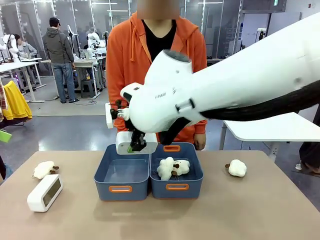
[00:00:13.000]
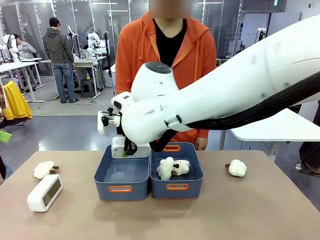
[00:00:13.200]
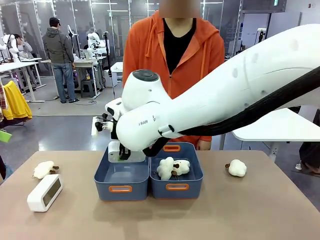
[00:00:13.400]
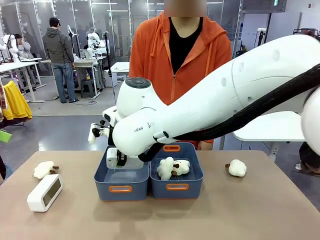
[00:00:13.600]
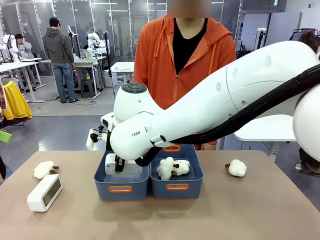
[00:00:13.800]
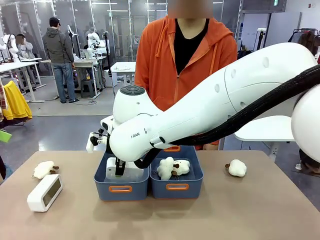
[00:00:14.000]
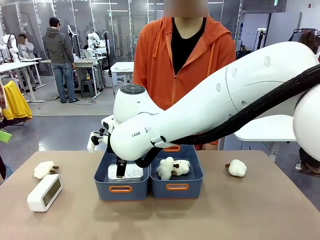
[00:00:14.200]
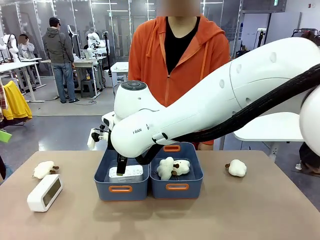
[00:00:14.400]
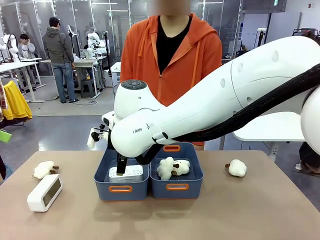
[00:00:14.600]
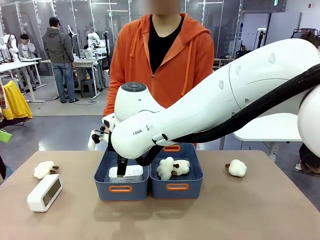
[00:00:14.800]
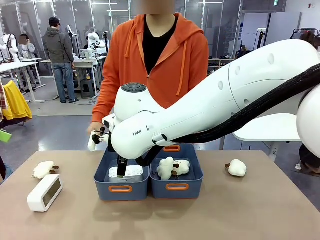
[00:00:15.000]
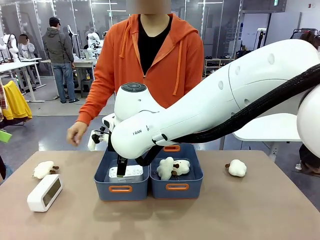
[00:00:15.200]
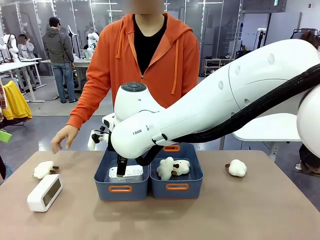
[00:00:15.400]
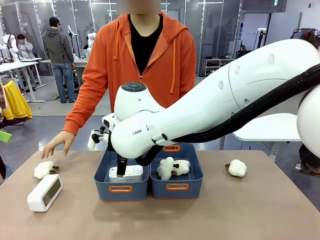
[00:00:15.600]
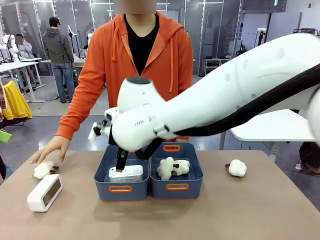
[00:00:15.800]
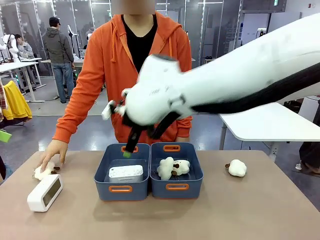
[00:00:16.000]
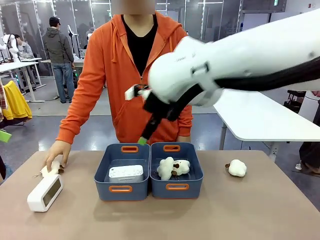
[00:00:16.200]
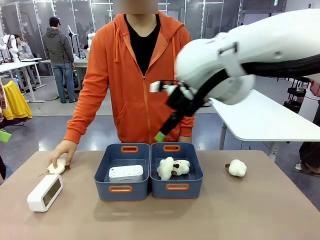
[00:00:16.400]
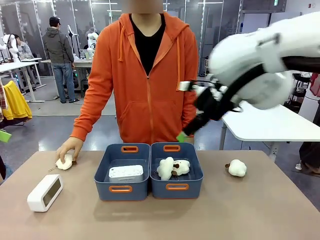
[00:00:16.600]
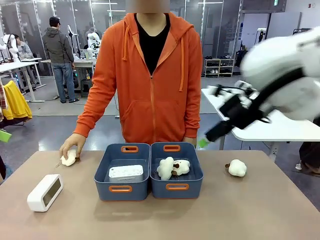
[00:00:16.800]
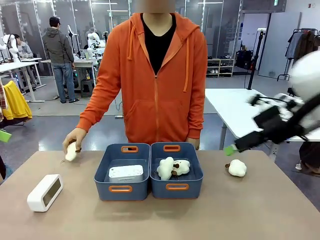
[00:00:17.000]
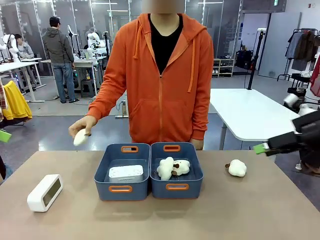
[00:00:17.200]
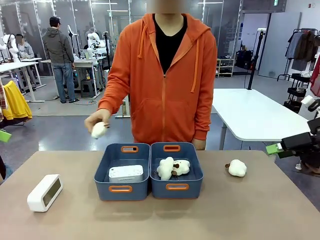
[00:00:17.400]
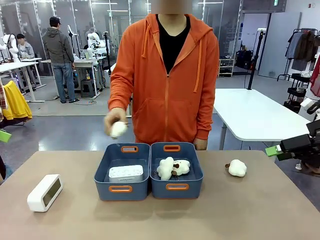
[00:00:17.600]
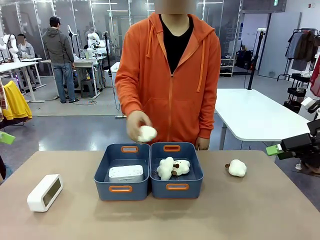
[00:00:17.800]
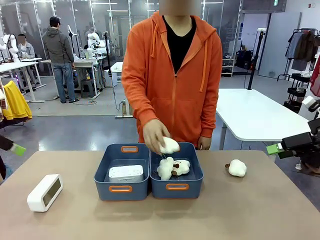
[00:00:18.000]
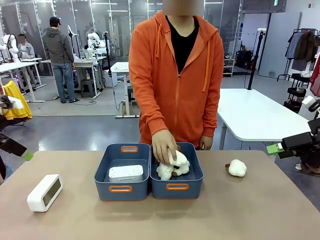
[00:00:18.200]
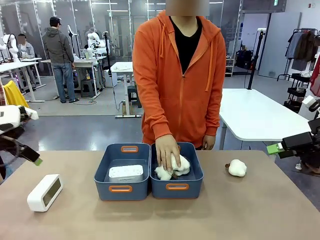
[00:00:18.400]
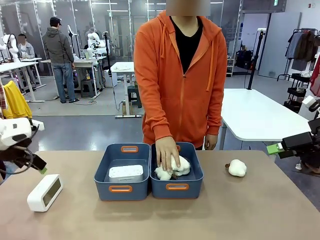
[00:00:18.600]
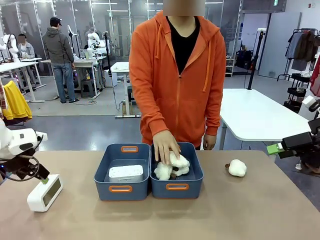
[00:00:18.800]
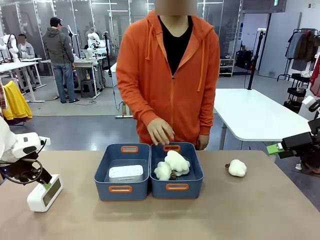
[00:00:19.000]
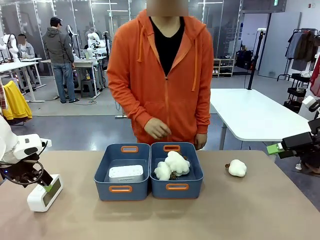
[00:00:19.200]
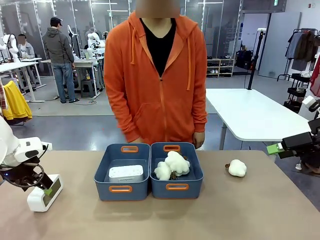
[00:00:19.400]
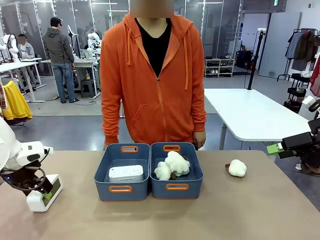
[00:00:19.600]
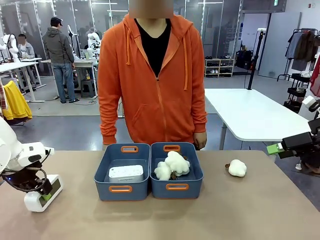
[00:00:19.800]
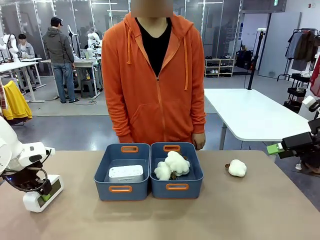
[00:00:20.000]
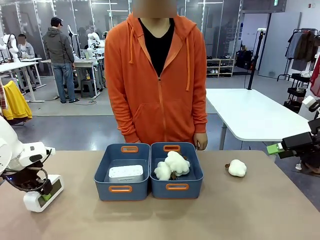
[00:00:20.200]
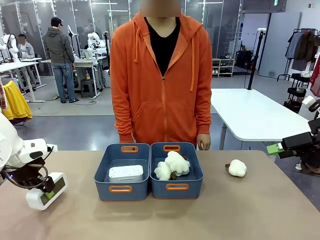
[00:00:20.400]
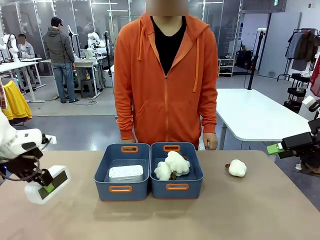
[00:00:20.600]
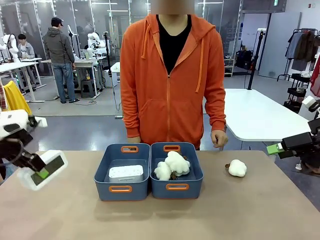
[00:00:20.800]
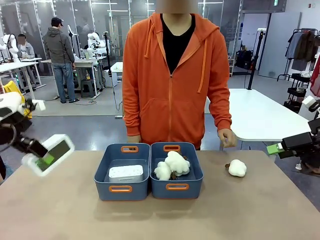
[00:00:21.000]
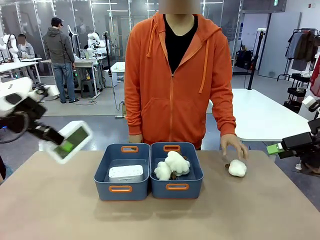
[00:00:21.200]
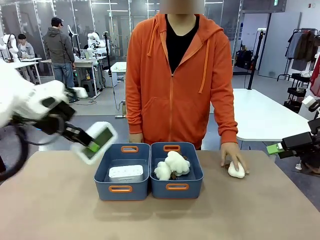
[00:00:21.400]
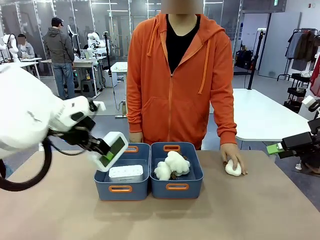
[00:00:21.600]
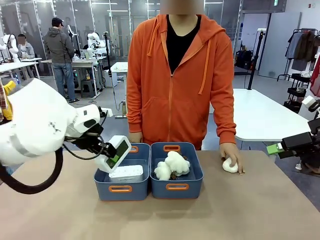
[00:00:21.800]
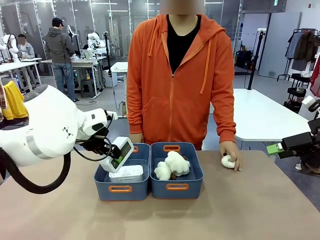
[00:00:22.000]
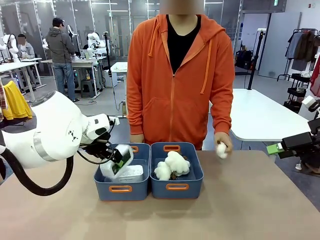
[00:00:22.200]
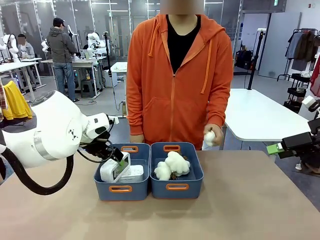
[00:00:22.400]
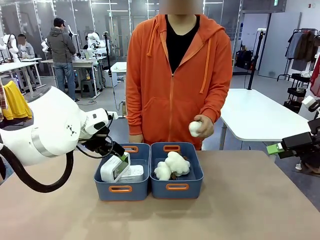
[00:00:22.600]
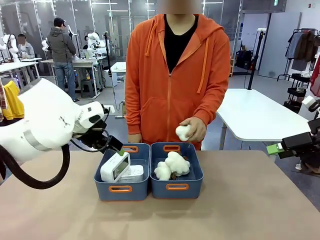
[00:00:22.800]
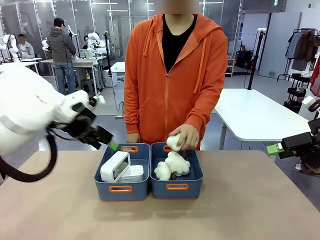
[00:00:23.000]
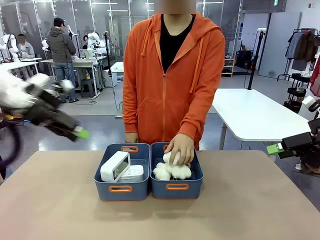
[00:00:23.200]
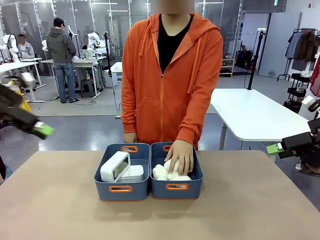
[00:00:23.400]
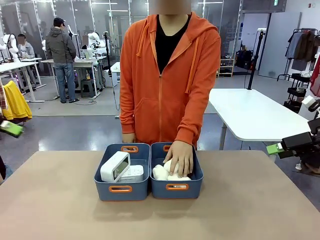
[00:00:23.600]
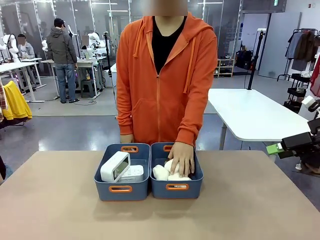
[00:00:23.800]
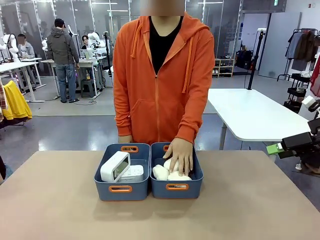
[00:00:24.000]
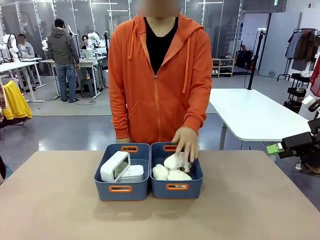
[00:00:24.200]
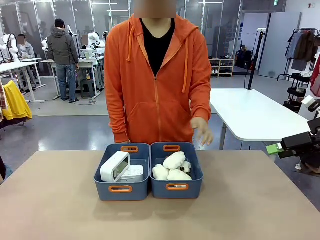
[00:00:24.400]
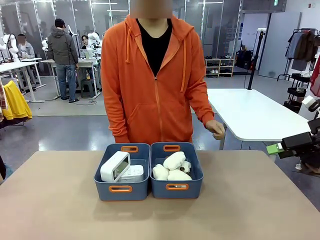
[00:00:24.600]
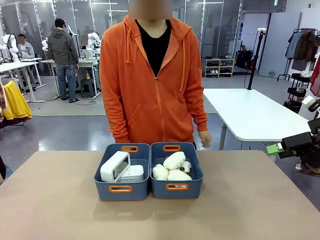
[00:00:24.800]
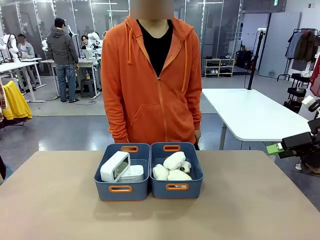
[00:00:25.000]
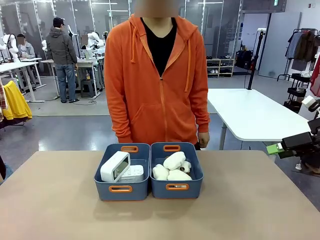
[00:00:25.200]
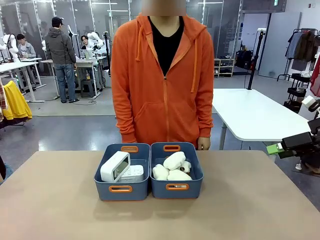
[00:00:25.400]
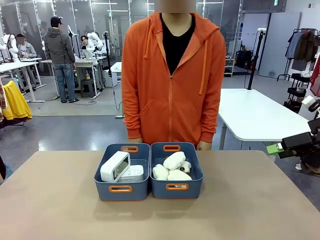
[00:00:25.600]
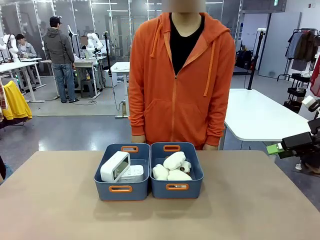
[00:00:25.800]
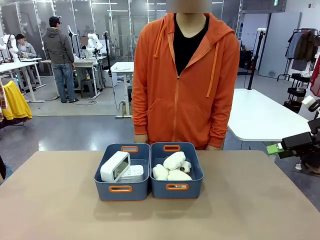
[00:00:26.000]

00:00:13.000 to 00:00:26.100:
Task: Sort the digital clocks into the basket.
Robot: Pick up the Digital clock from the table and place it into the empty Plastic storage basket.
Person: Pick up a plush toy from the table and place it in the plastic storage basket containing the plush toy.
